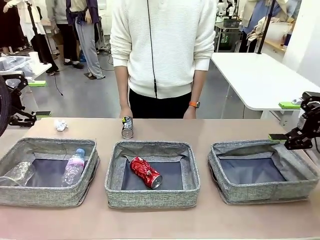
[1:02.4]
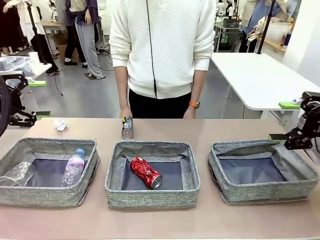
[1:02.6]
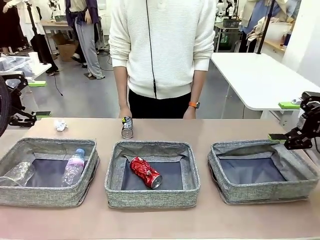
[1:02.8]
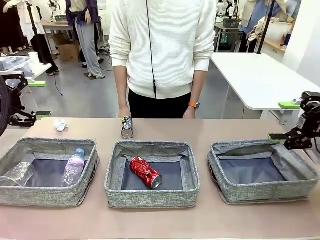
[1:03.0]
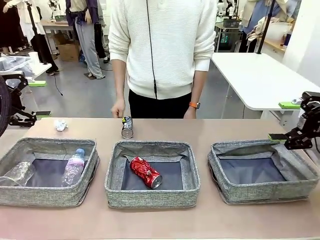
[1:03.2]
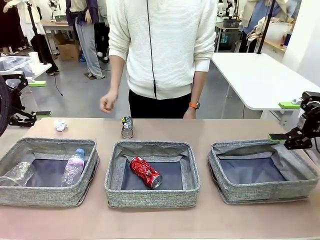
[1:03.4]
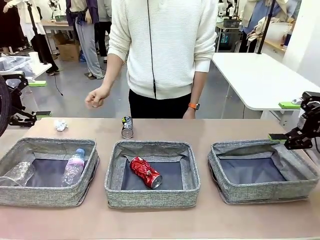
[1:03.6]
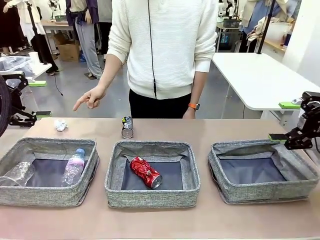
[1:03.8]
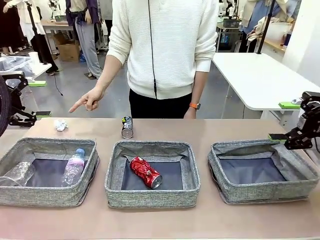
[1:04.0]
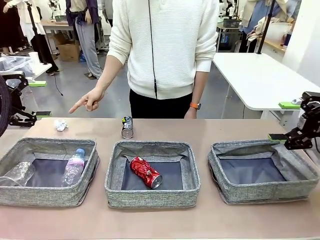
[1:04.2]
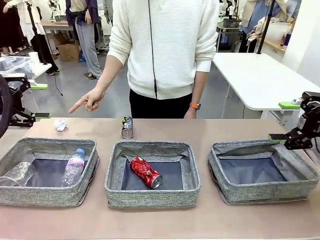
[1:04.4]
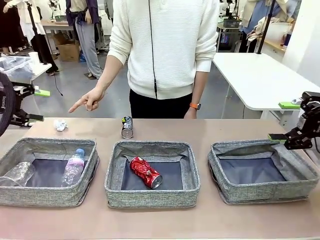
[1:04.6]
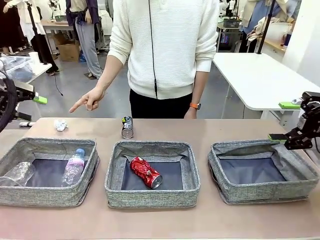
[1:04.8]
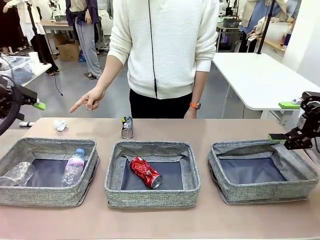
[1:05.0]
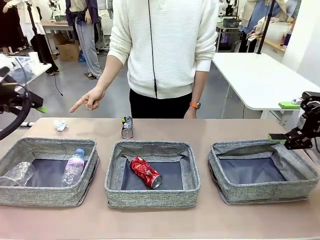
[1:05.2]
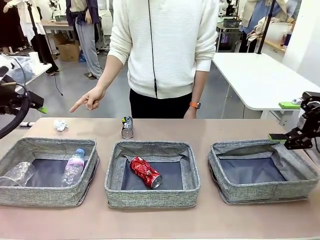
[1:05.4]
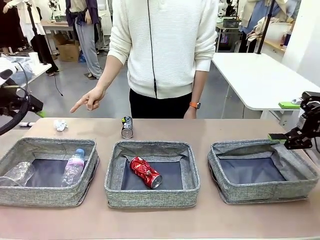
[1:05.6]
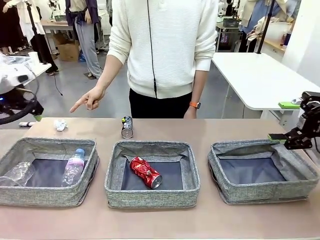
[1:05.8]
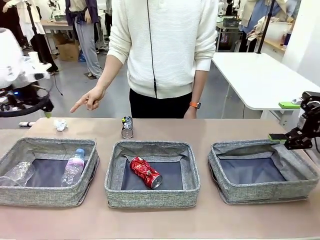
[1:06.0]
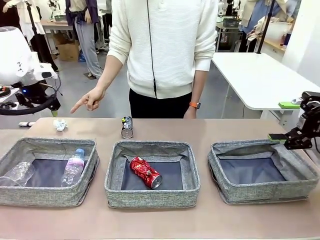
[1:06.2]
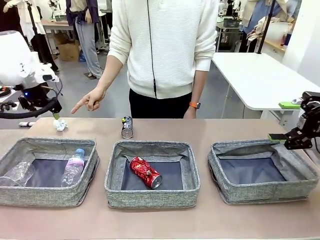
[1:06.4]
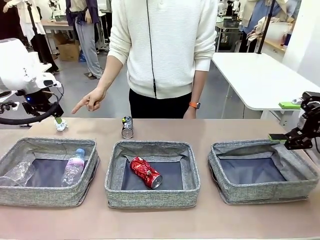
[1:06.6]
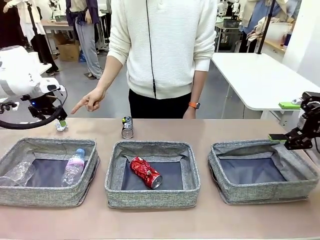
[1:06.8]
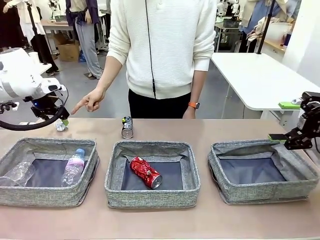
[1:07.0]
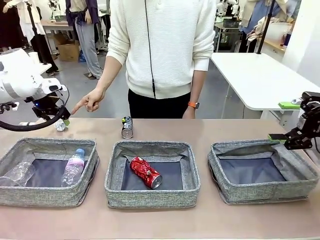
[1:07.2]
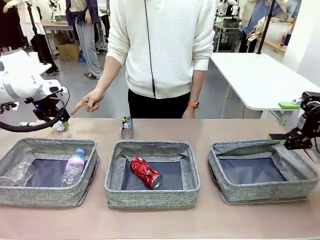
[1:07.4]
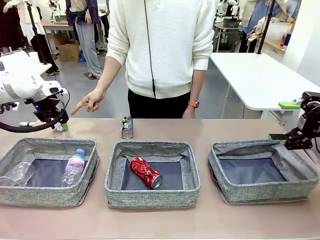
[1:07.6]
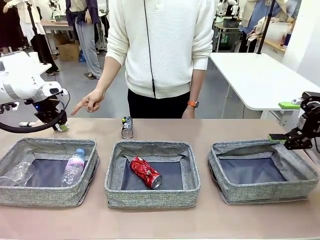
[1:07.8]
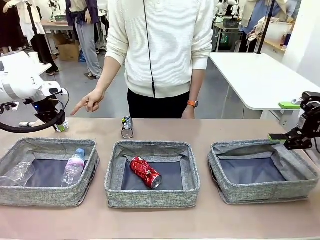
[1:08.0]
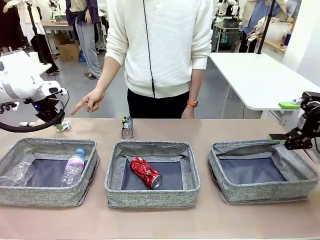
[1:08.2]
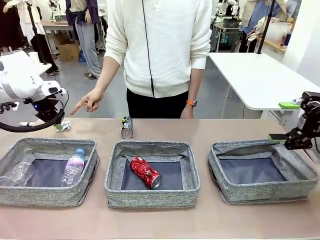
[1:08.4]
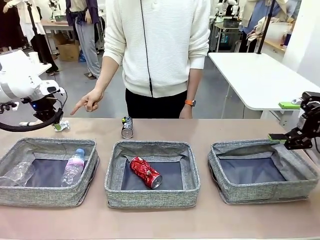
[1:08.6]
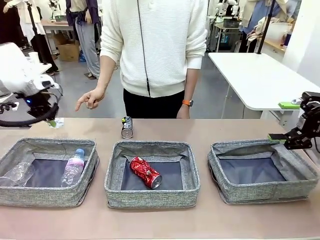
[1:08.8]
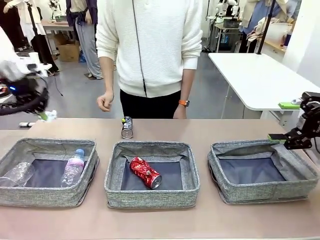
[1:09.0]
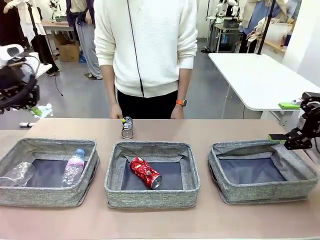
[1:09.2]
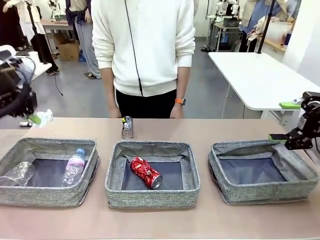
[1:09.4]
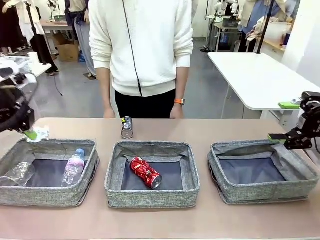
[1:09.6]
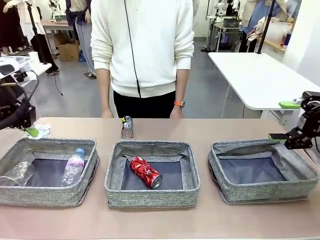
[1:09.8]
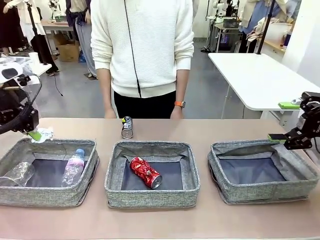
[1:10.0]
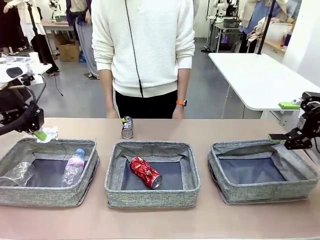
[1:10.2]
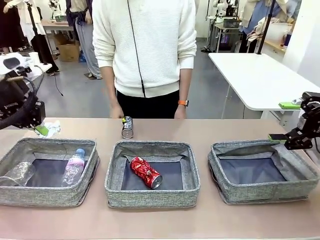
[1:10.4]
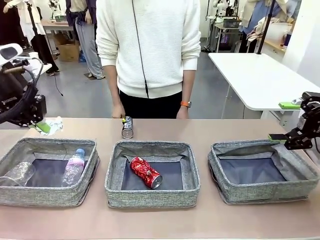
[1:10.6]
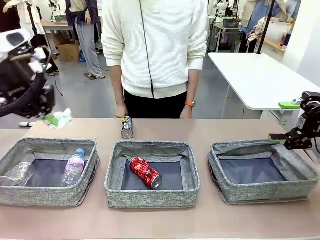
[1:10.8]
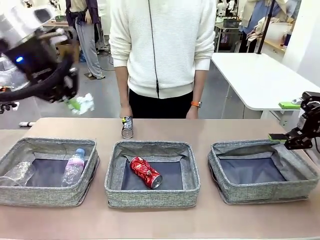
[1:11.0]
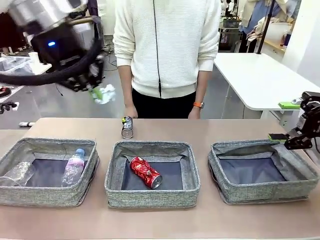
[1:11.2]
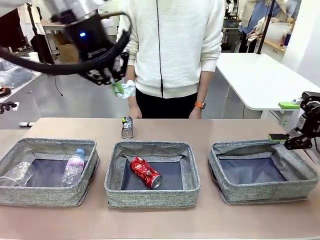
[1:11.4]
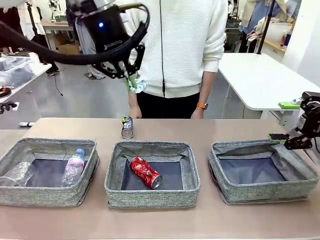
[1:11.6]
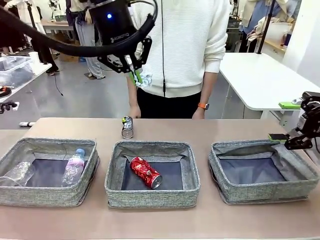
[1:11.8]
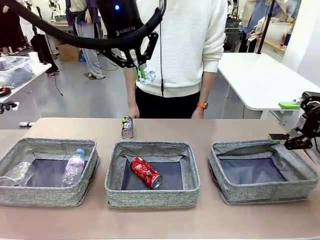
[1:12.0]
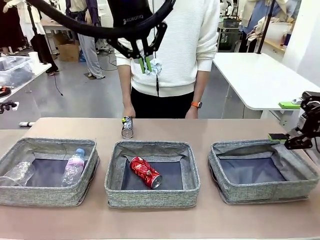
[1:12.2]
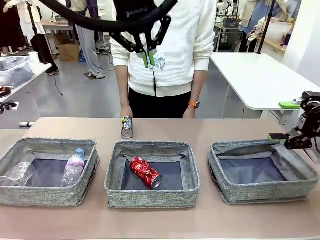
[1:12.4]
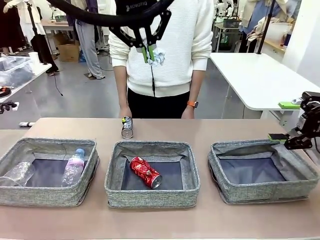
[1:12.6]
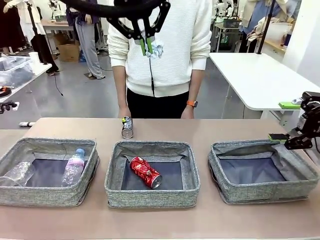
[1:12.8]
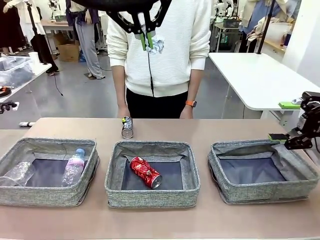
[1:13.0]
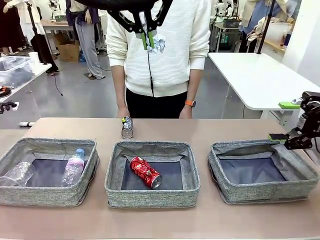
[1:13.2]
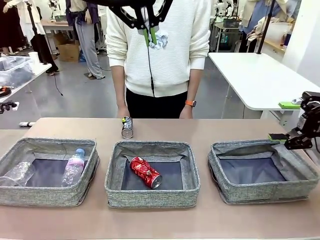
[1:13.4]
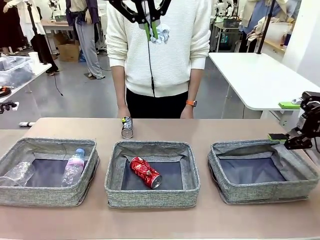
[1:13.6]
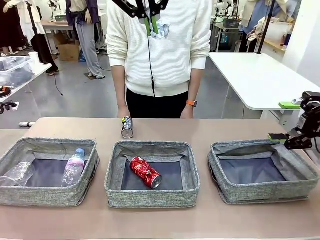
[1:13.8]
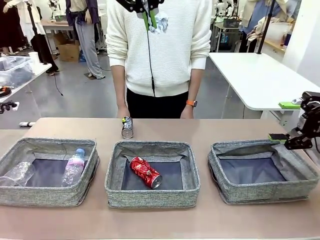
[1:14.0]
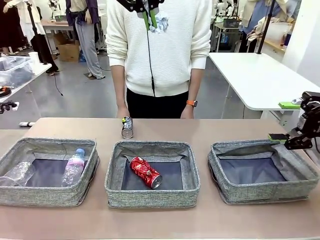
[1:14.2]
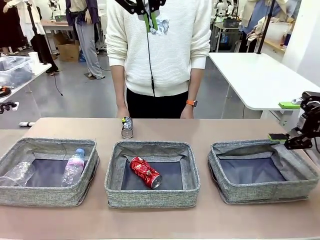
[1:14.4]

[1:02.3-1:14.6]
Task: Sort the waste into the appropriate baskets.
Robot: Pick up the waste item pointed out by the person.
Person: Points to one piece of trash on the table.

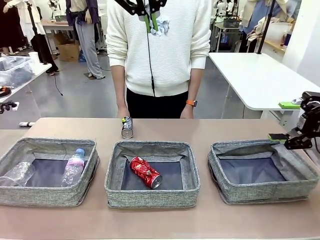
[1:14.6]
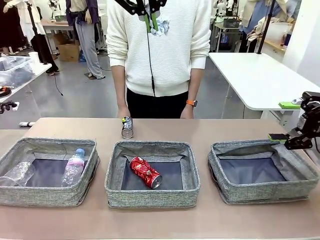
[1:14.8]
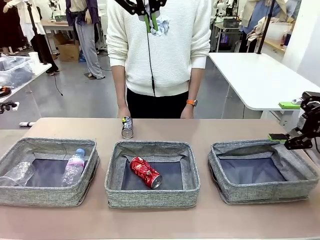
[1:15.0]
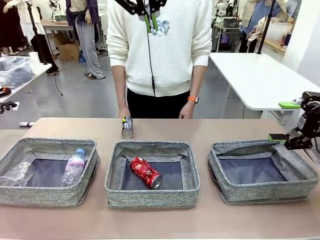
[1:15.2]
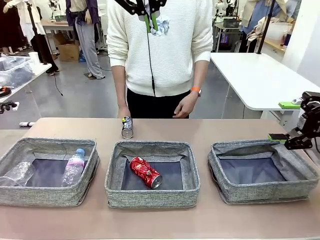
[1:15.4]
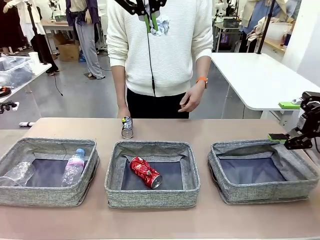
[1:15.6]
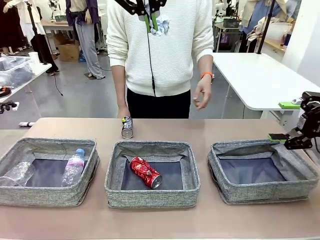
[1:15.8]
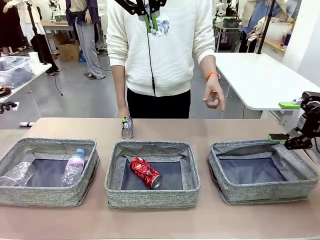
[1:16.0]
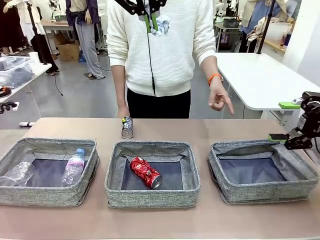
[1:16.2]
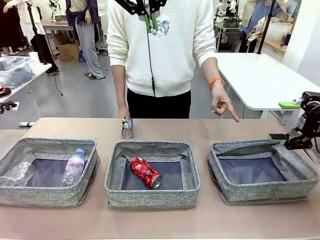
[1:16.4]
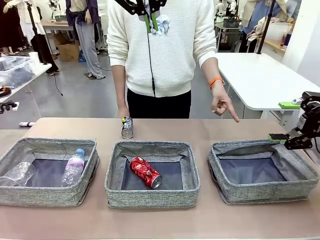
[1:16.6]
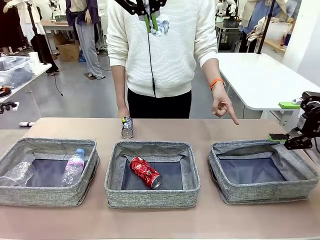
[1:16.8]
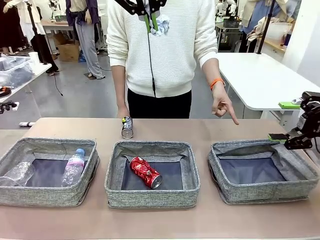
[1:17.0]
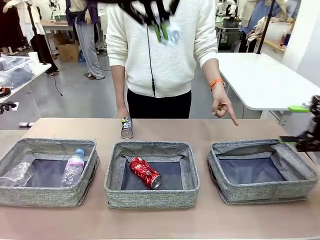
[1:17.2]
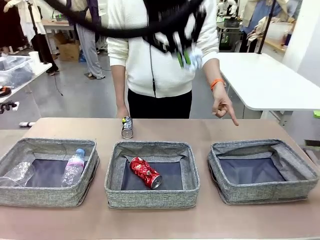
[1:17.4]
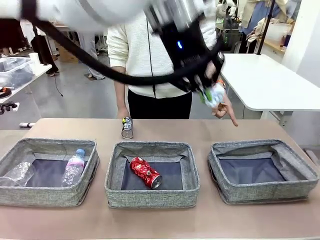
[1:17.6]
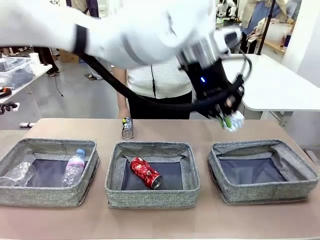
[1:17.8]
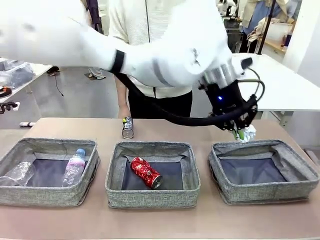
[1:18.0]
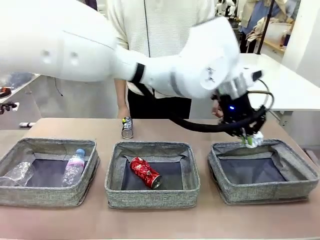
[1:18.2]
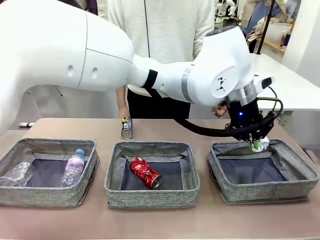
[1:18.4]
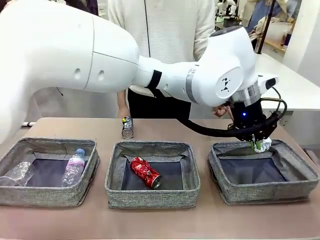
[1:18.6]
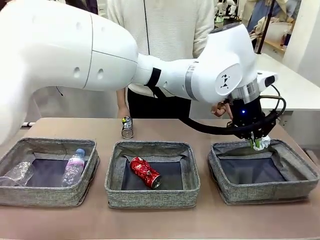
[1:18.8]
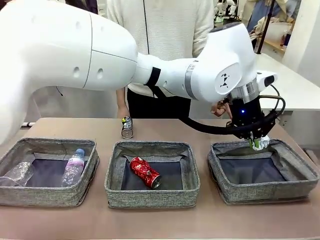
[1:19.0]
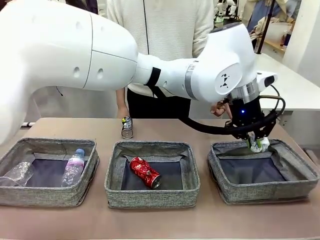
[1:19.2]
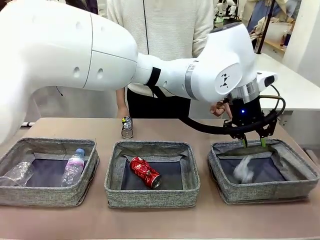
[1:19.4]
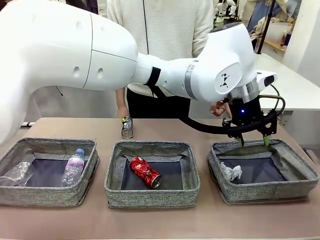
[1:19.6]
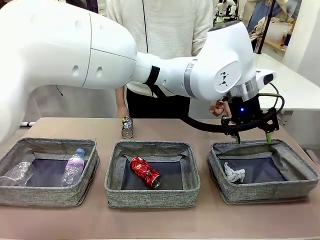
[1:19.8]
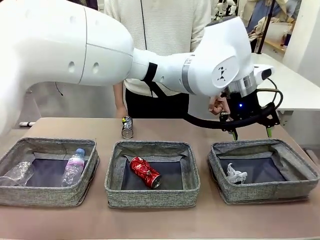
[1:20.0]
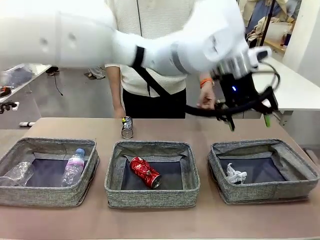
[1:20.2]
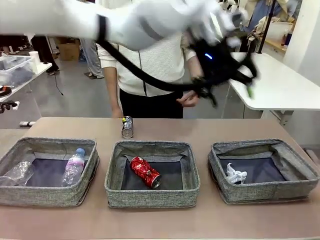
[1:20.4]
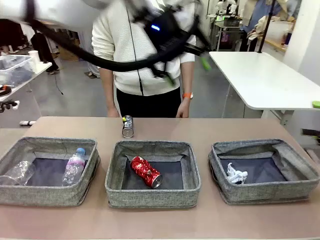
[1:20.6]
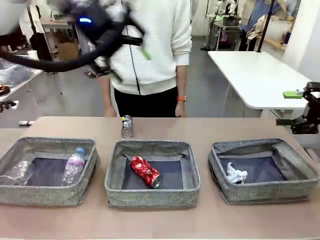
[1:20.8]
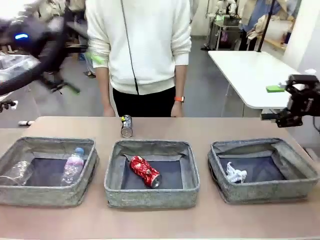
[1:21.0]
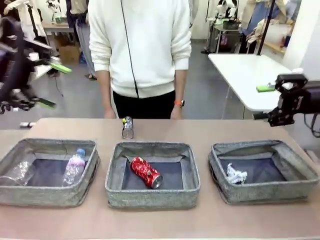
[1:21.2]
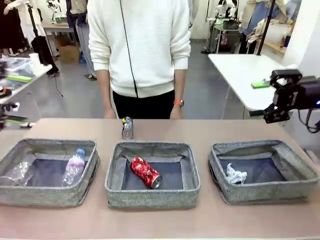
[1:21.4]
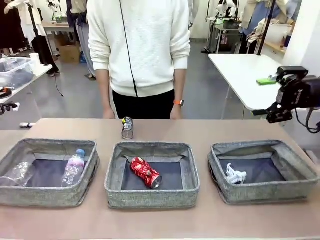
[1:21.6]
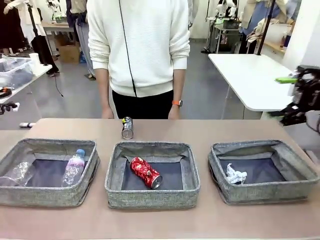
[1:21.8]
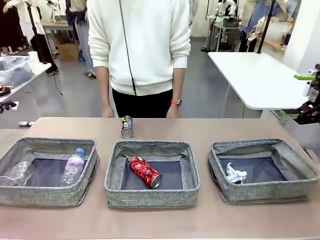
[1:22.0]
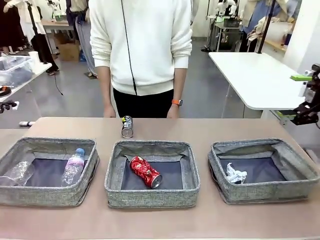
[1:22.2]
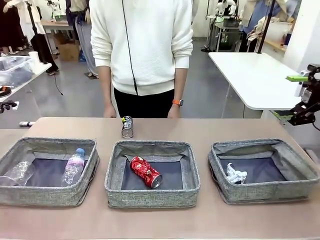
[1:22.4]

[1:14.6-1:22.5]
Robot: Place the picked waste into the Fabric basket indicated by the person.
Person: Instructs the robot to place the picked-up trash into the appropriate organizing basket.
